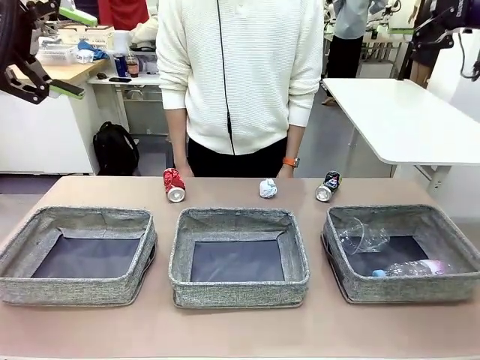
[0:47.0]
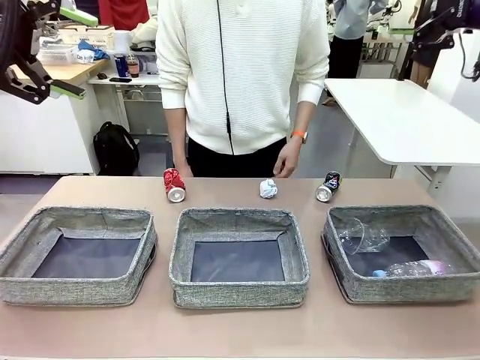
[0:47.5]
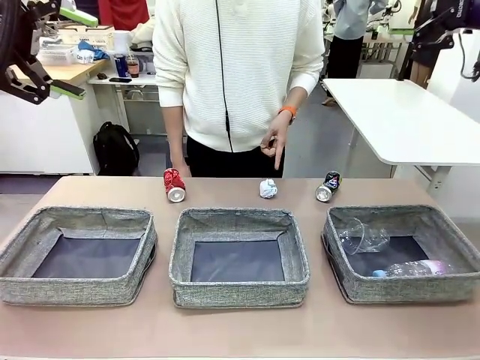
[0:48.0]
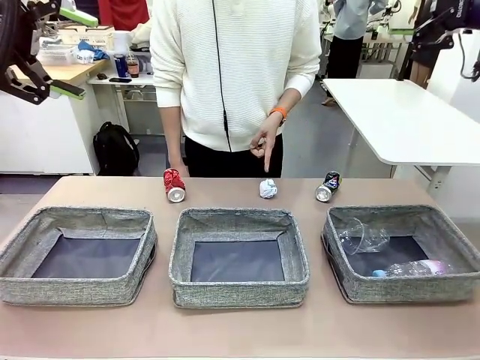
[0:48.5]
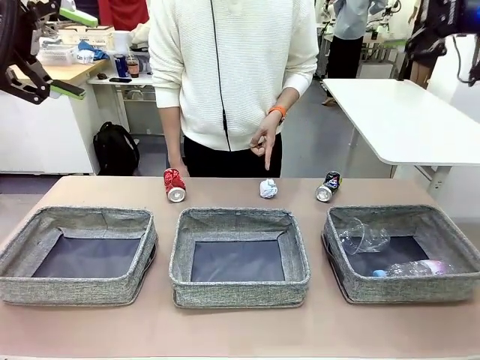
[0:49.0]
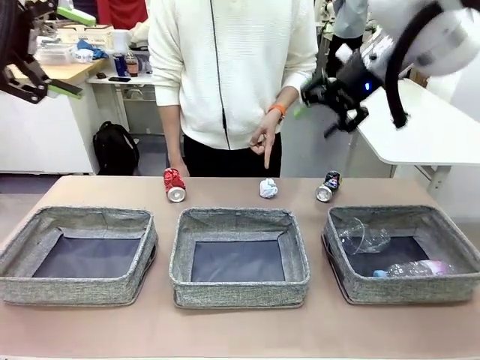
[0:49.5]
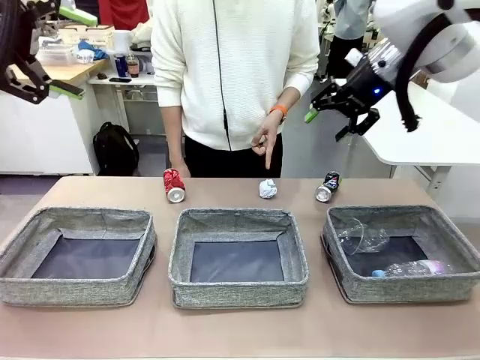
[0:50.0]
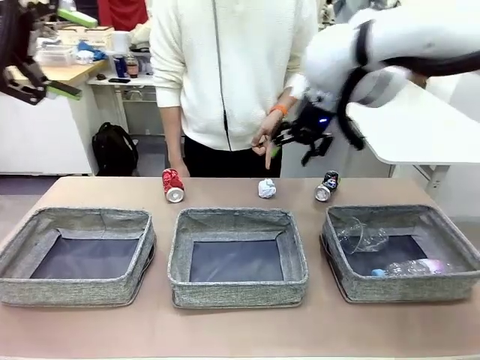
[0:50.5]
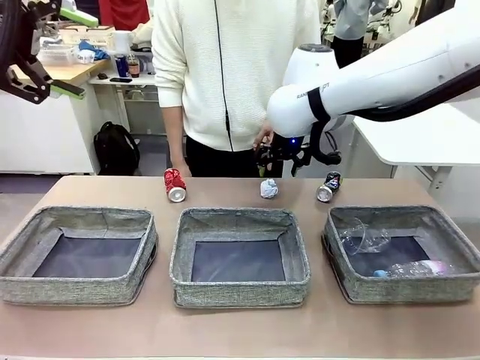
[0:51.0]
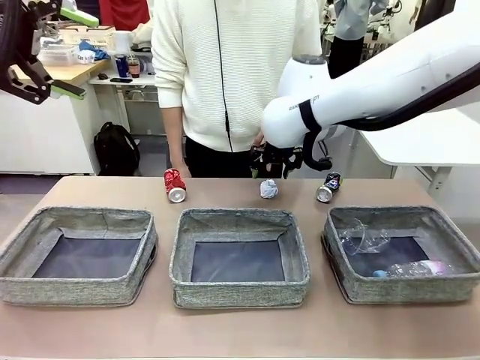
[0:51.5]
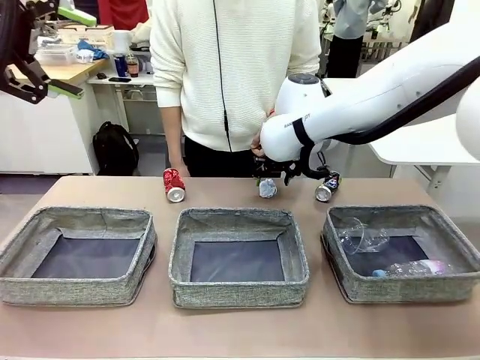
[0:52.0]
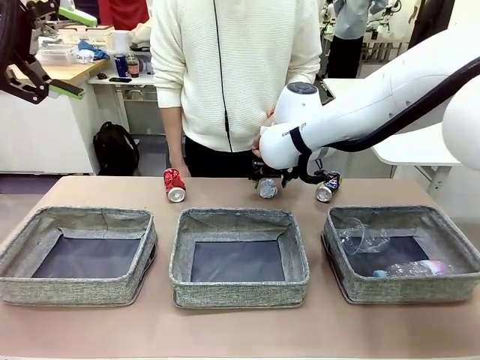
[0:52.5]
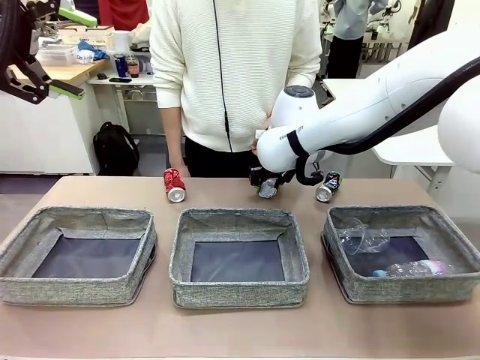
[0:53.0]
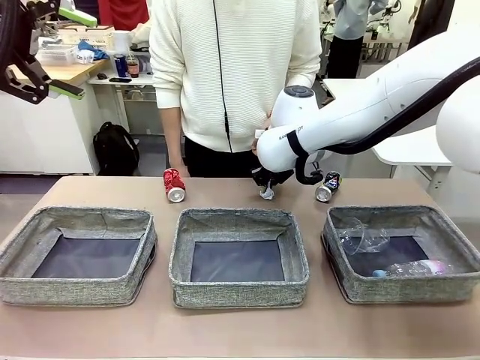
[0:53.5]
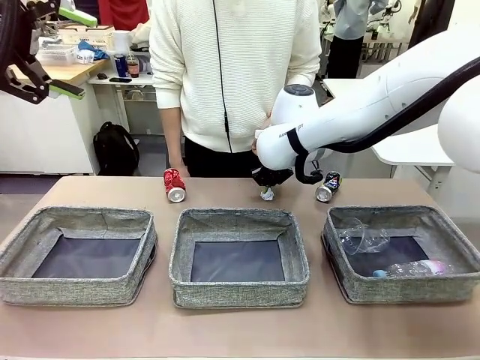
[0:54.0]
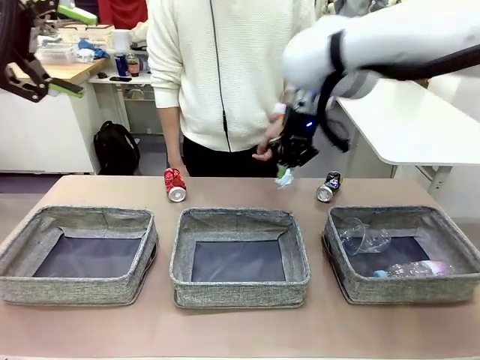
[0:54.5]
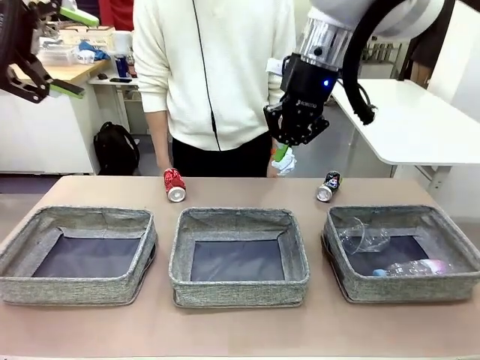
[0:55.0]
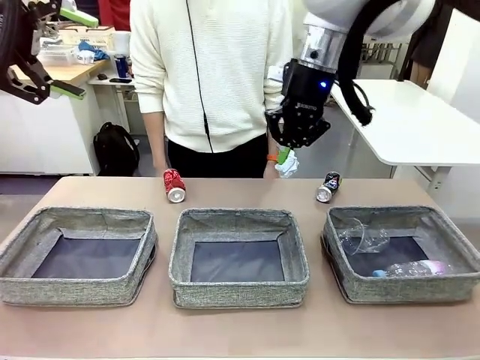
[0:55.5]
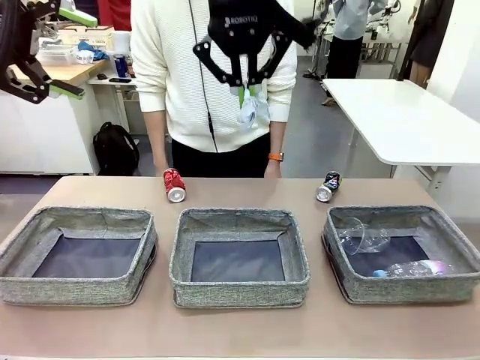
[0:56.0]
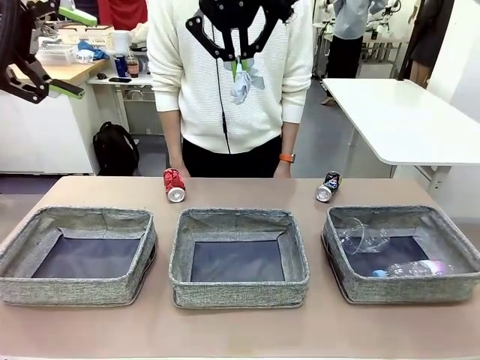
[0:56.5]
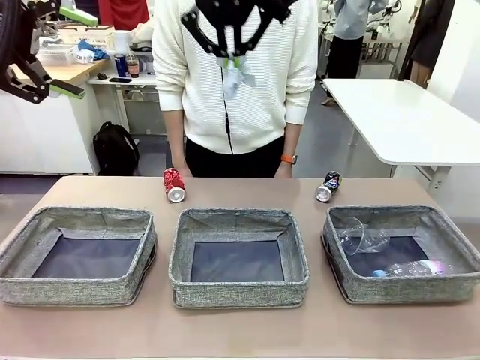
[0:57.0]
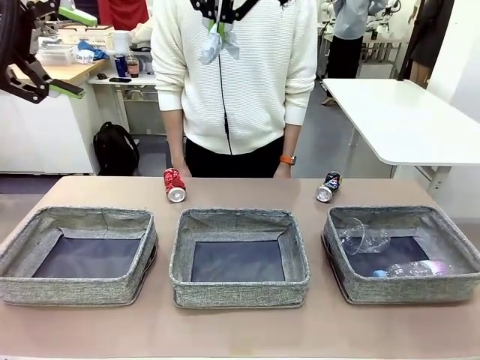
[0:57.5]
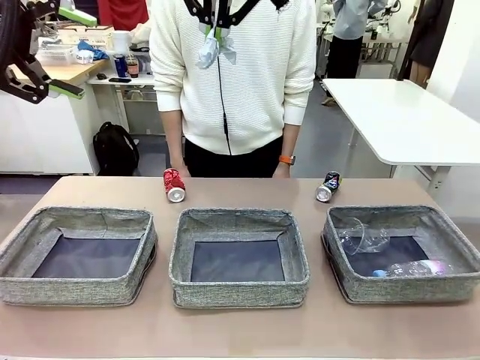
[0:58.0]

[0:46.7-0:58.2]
Task: Sort the waste into the appropriate baskets.
Robot: Pick up the waste item pointed out by the person.
Person: Points to one piece of trash on the table.

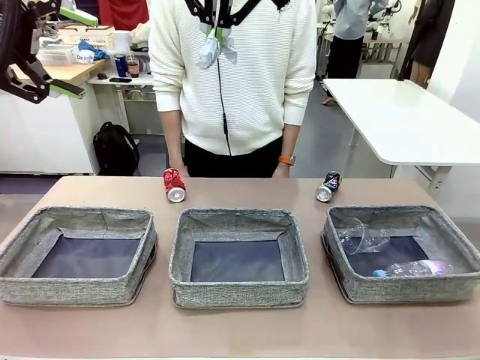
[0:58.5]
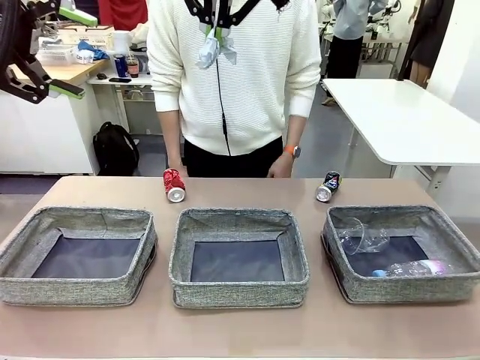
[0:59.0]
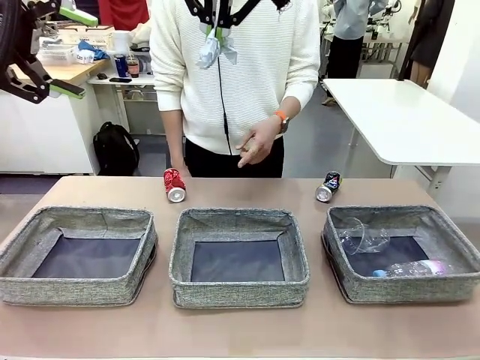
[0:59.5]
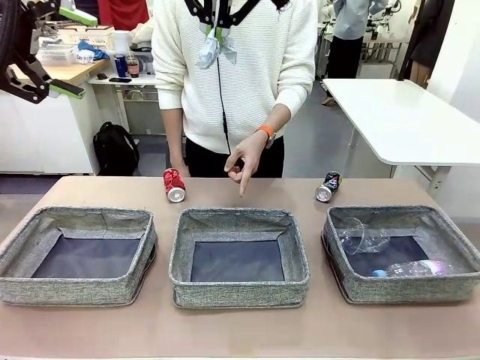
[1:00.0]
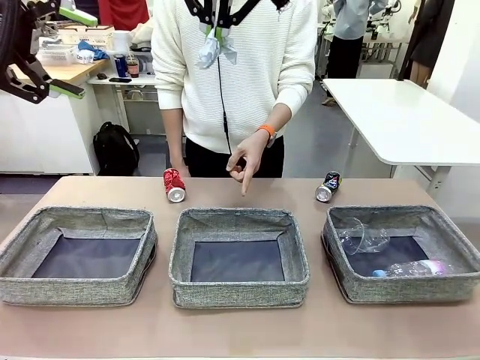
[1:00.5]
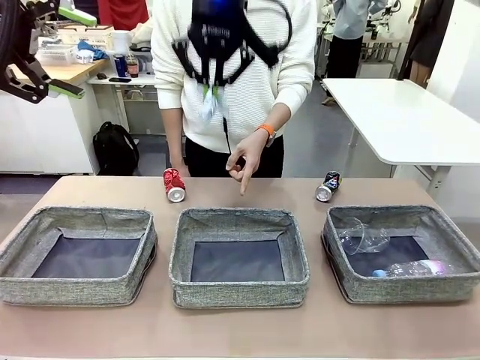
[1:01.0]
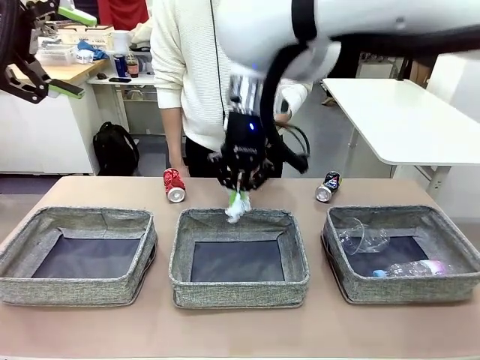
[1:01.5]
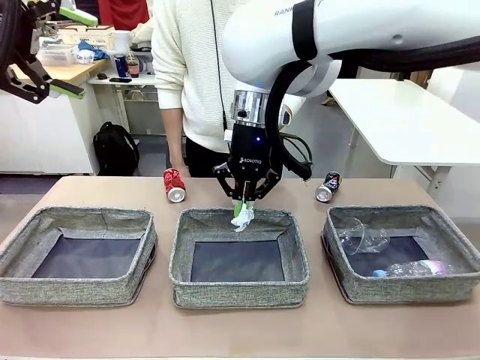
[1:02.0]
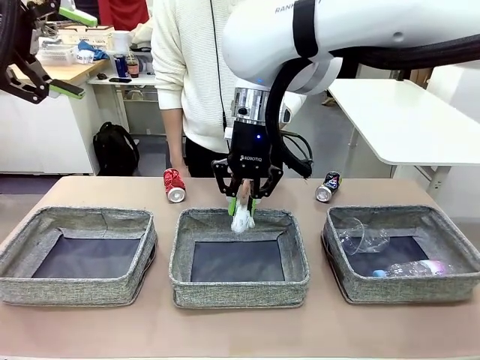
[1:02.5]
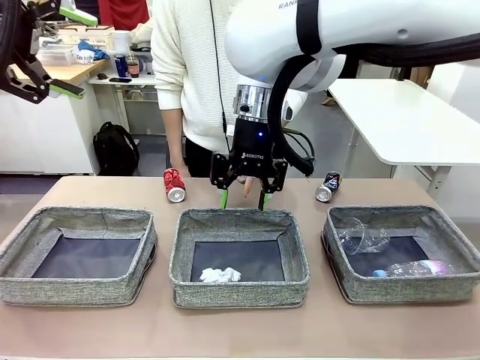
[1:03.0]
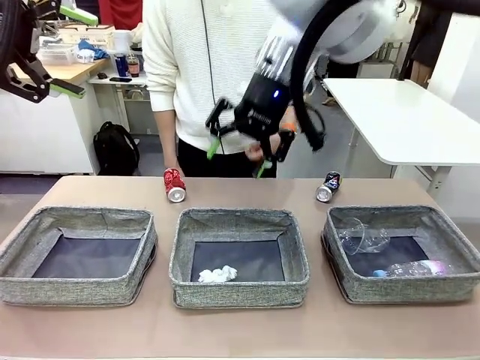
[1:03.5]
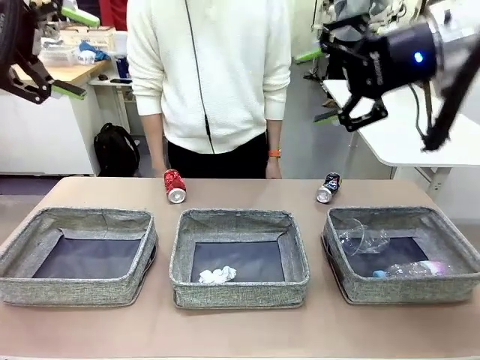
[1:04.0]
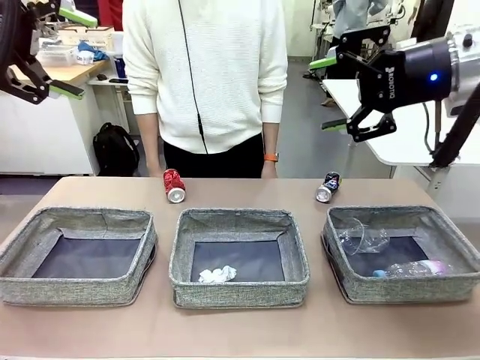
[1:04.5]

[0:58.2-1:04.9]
Robot: Place the picked waste into the Fabric basket indicated by the person.
Person: Instructs the robot to place the picked-up trash into the appropriate organizing basket.

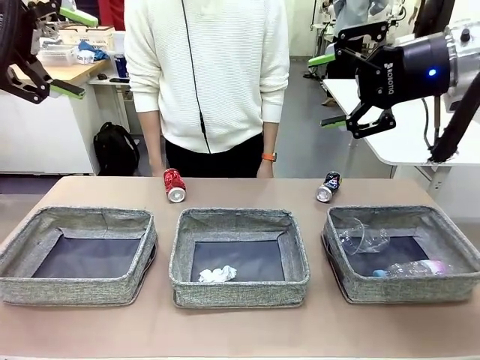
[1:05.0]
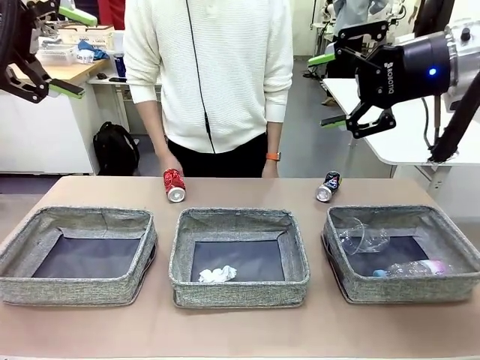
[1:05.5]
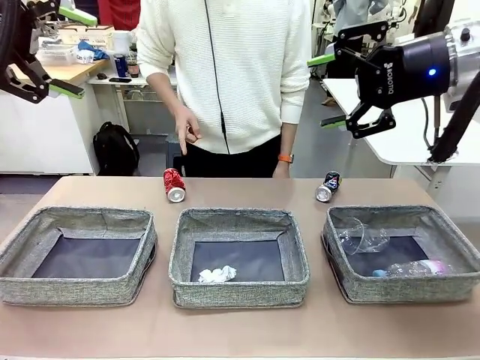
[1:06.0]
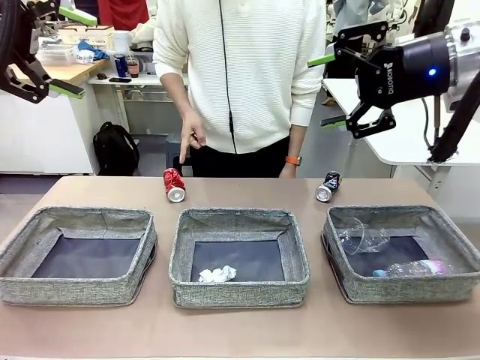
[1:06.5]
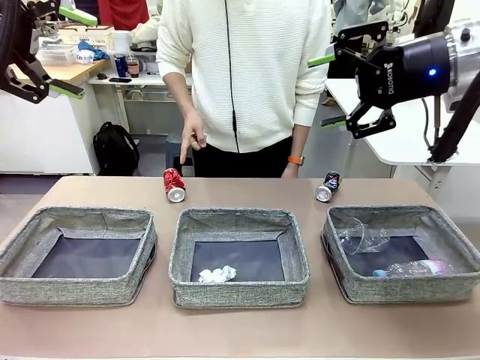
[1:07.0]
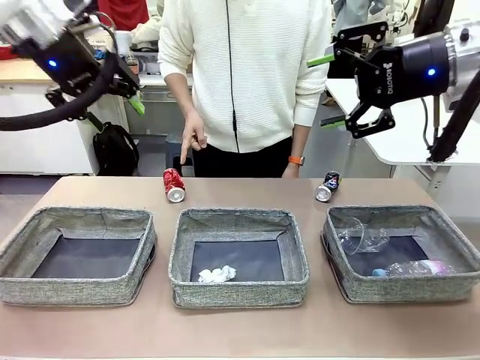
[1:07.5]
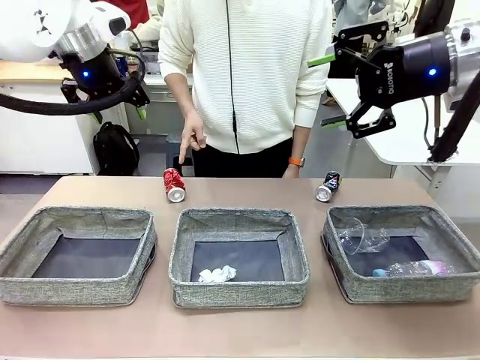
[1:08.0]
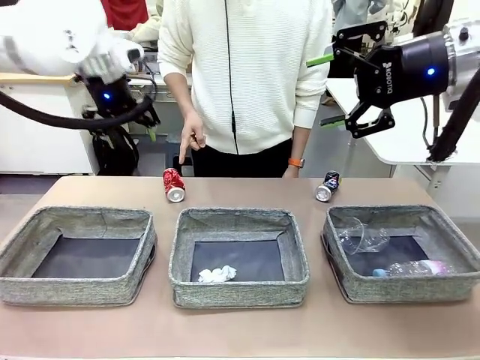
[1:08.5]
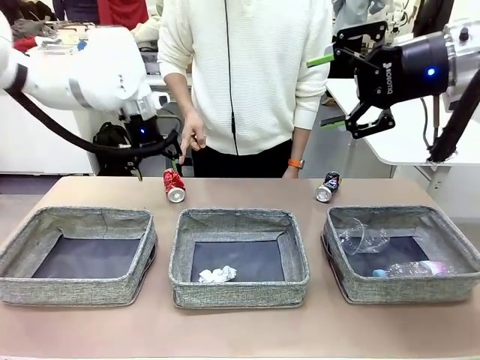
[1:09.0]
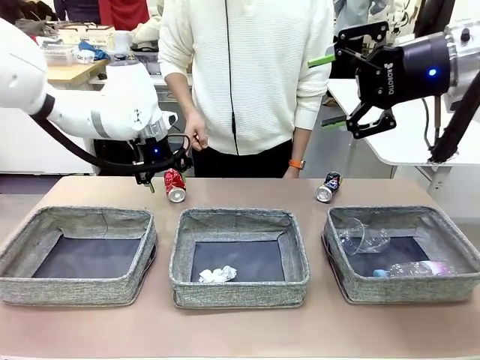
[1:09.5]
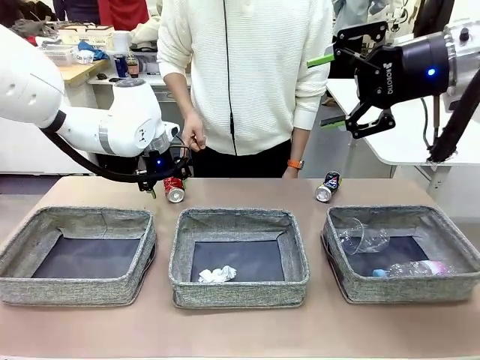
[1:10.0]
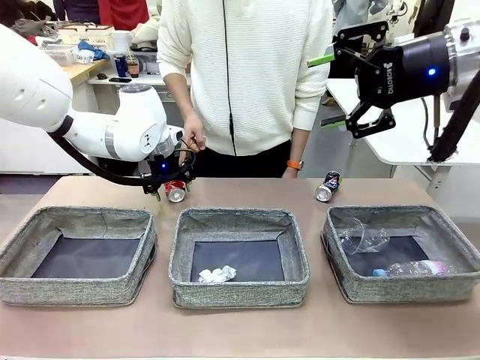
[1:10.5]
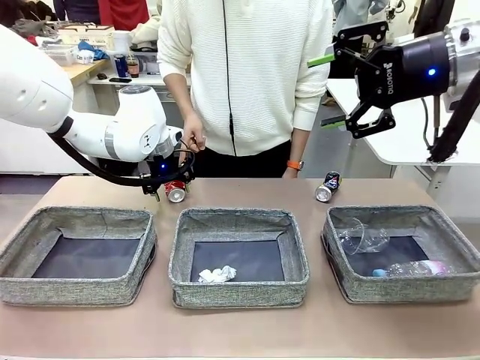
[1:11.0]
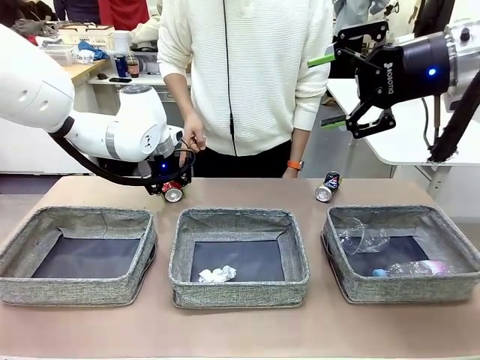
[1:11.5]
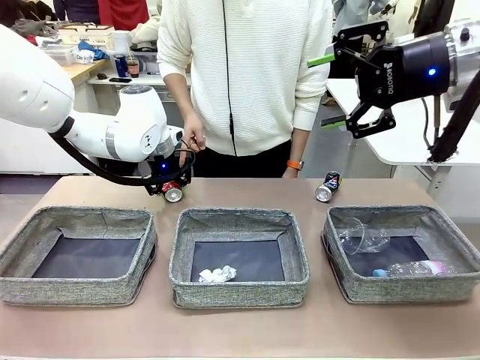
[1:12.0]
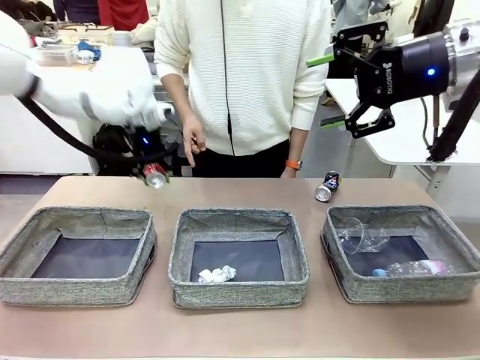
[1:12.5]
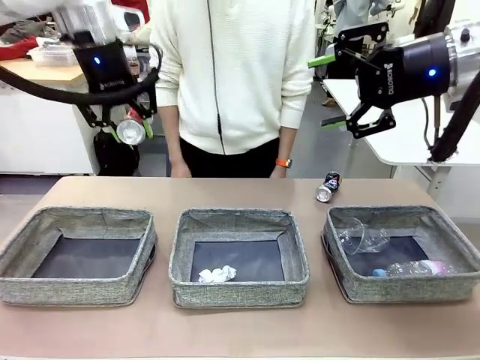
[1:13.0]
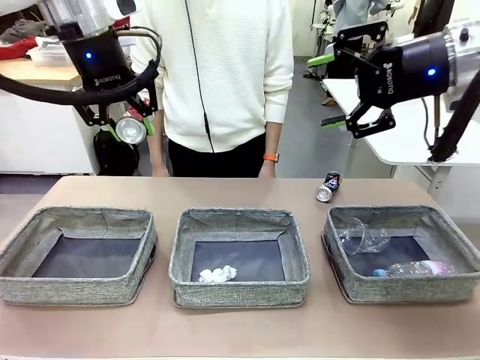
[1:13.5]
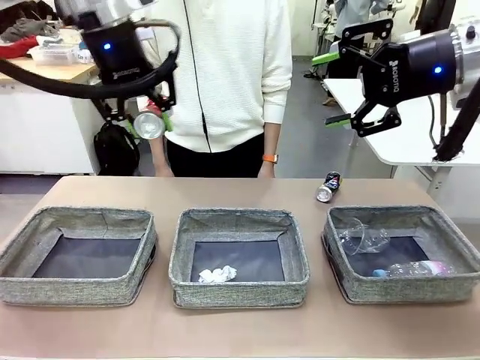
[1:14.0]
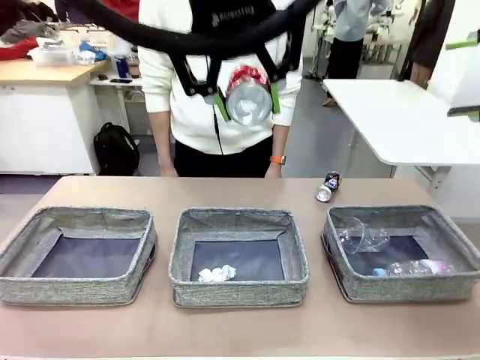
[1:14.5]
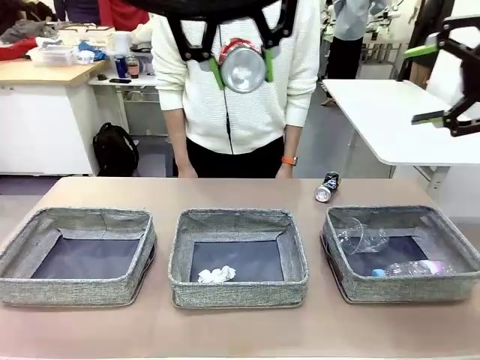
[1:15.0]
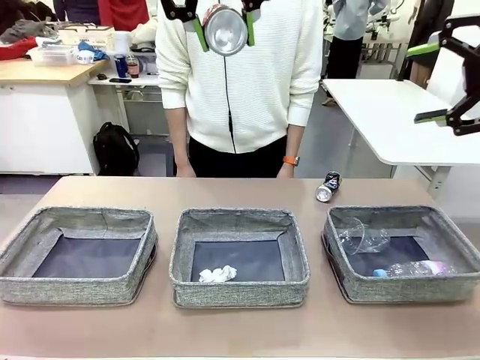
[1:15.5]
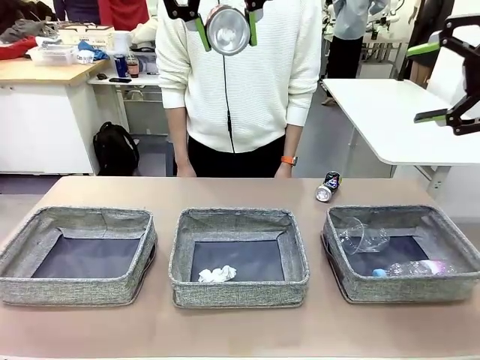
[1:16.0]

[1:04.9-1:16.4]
Robot: Pick up the waste item pointed out by the person.
Person: Points to one piece of trash on the table.
